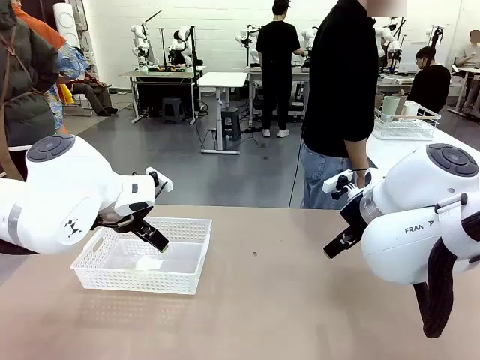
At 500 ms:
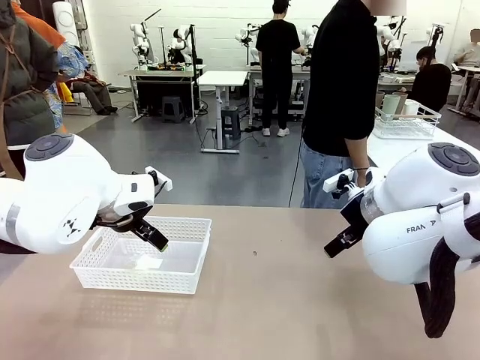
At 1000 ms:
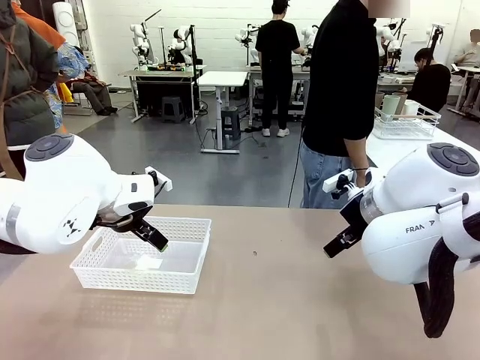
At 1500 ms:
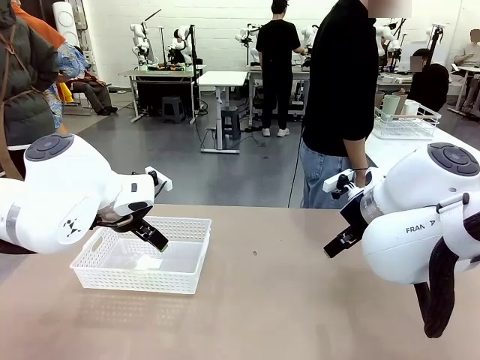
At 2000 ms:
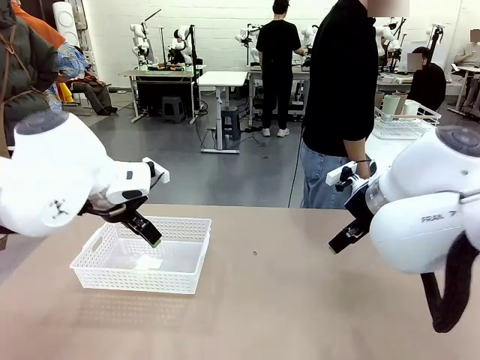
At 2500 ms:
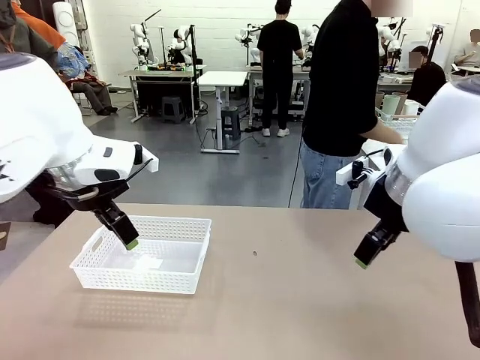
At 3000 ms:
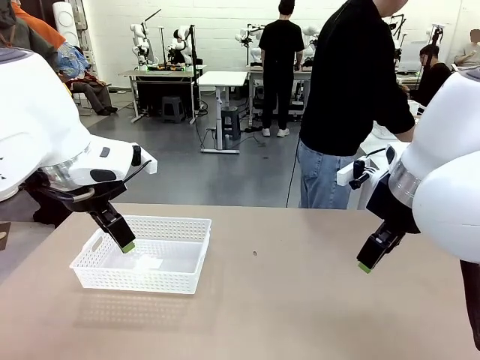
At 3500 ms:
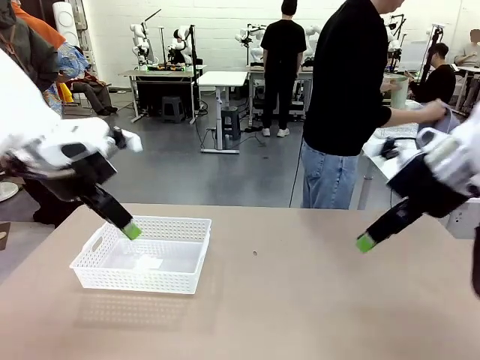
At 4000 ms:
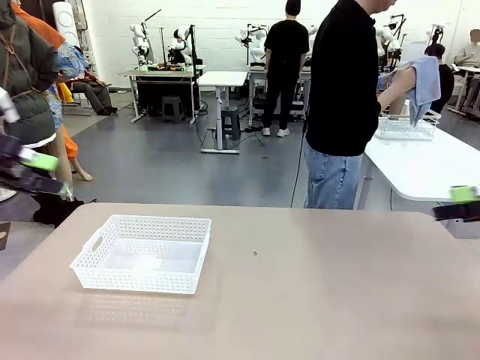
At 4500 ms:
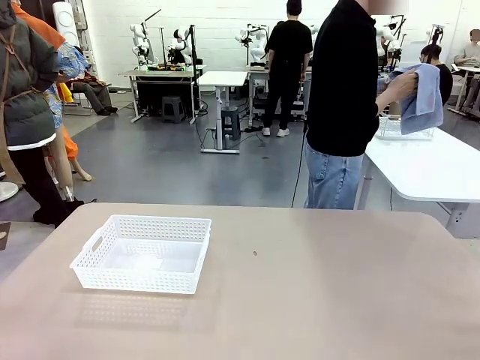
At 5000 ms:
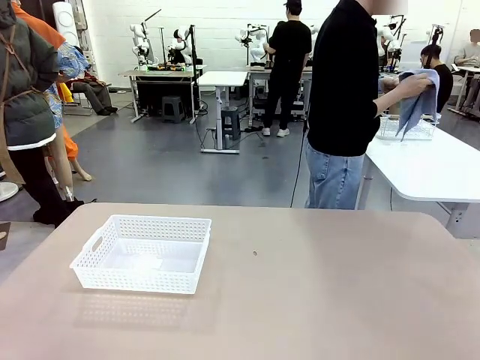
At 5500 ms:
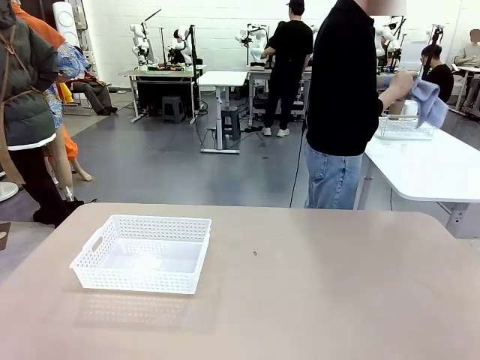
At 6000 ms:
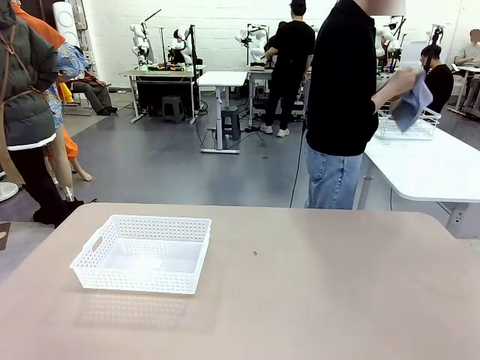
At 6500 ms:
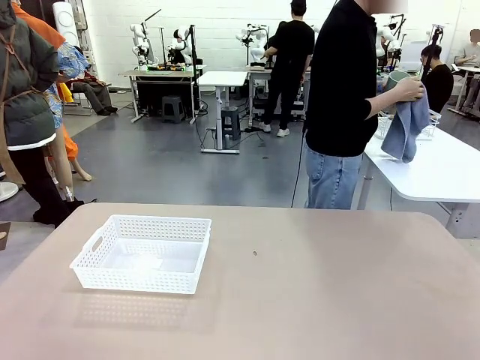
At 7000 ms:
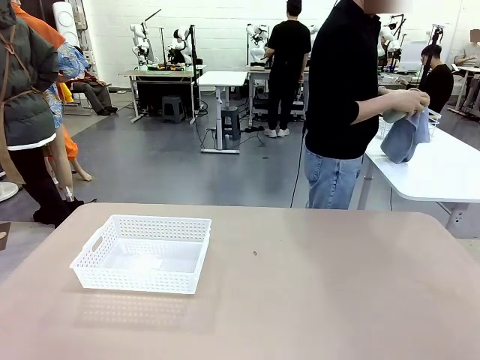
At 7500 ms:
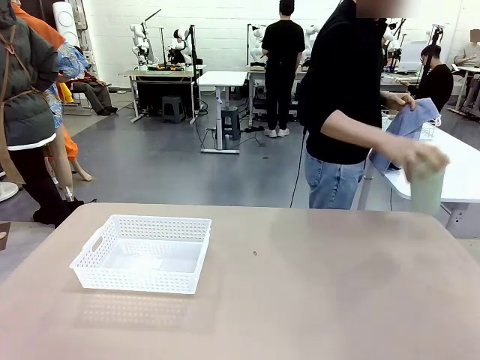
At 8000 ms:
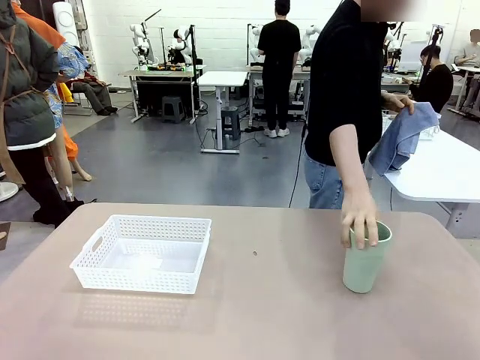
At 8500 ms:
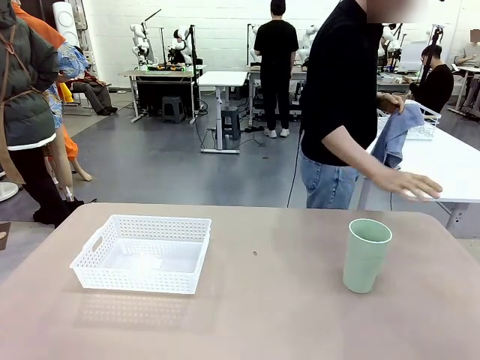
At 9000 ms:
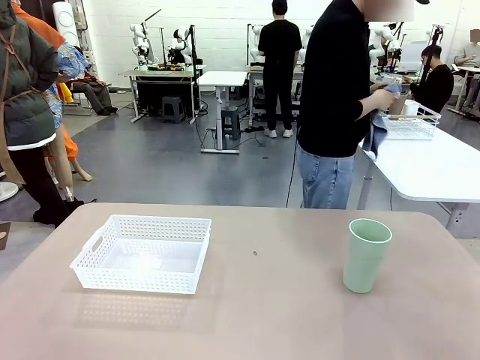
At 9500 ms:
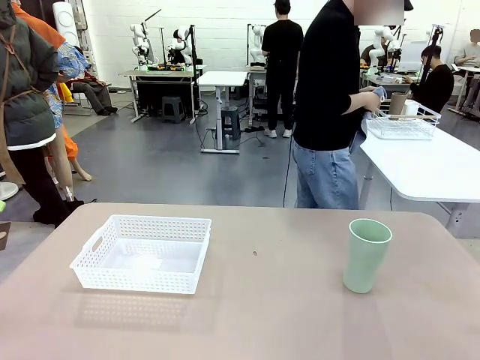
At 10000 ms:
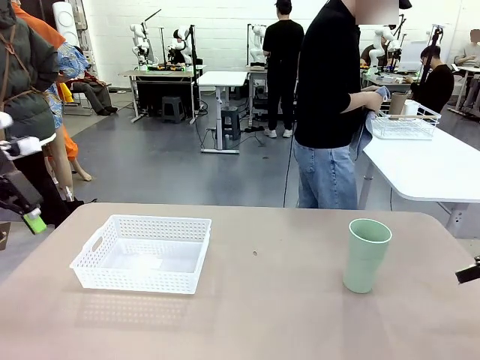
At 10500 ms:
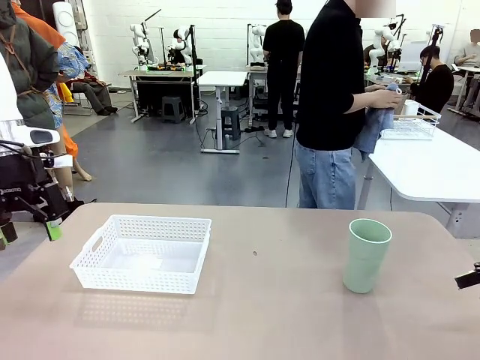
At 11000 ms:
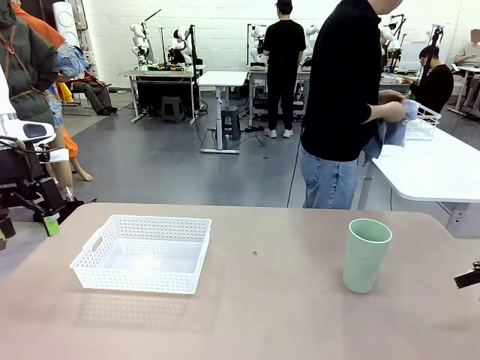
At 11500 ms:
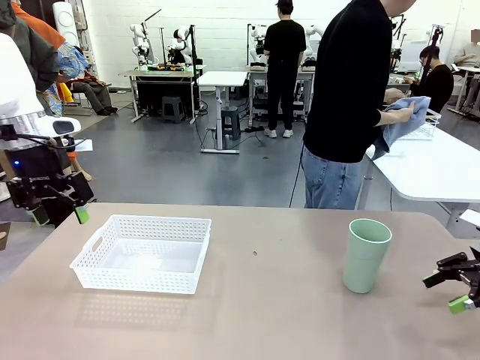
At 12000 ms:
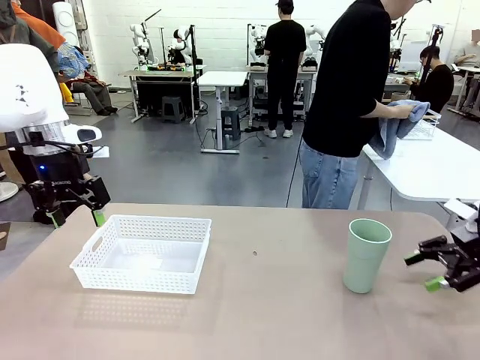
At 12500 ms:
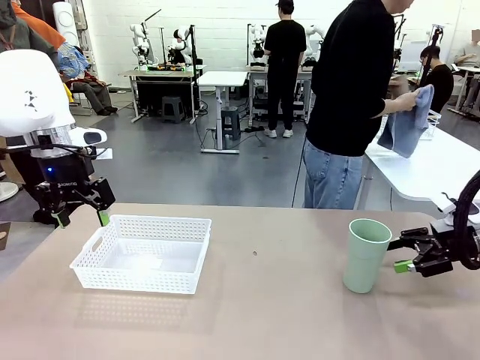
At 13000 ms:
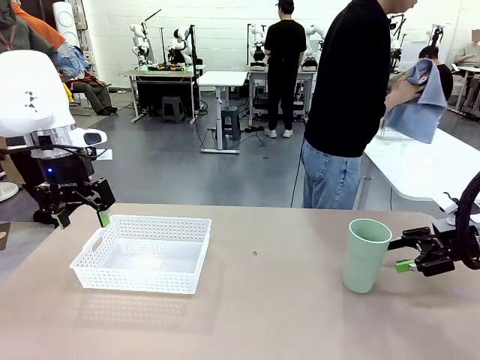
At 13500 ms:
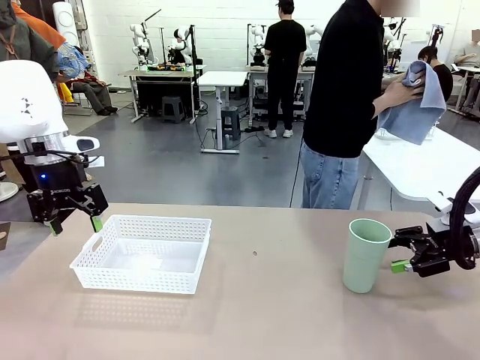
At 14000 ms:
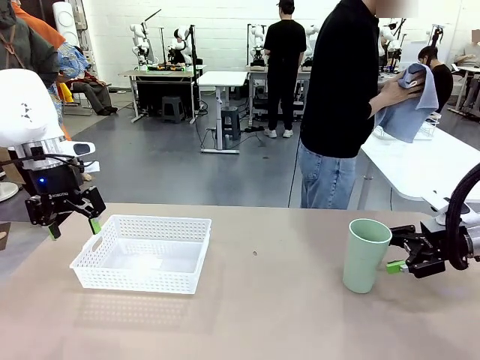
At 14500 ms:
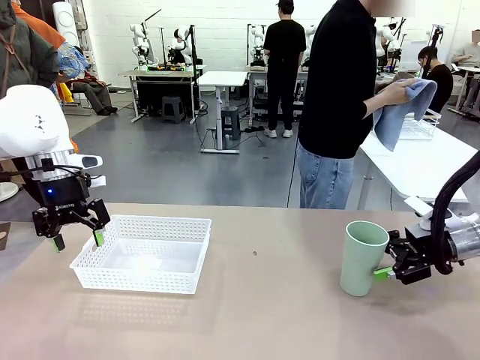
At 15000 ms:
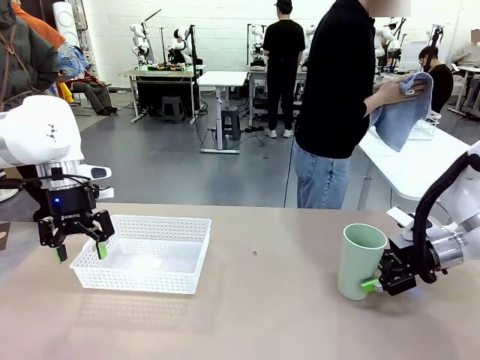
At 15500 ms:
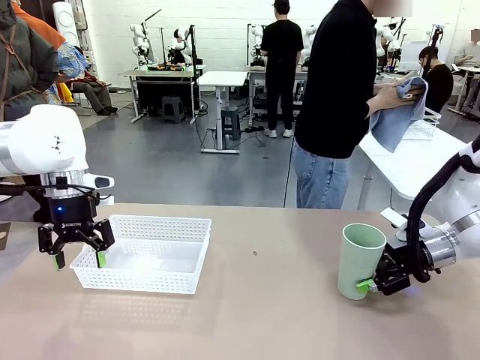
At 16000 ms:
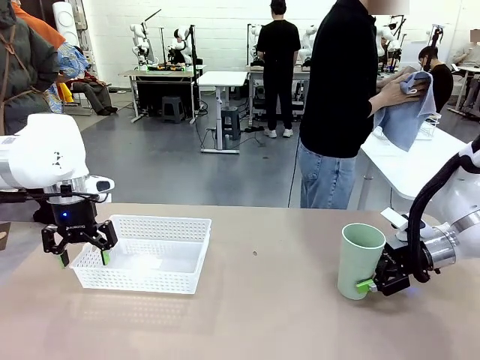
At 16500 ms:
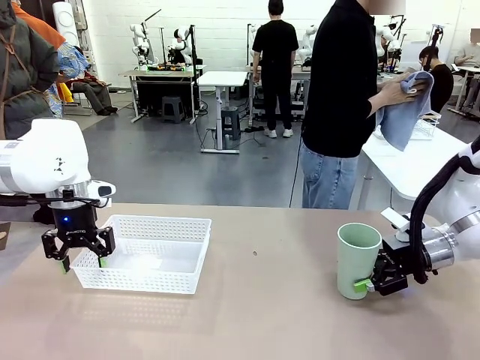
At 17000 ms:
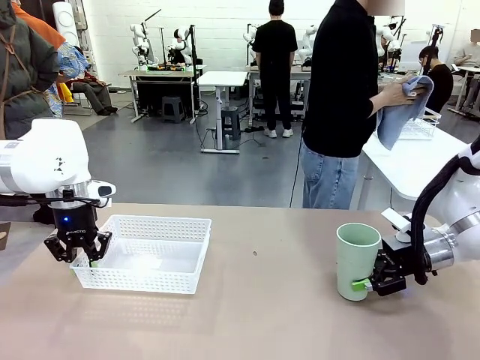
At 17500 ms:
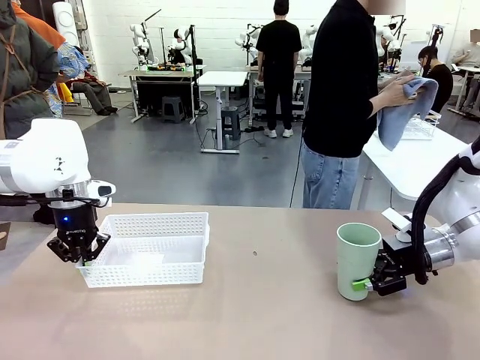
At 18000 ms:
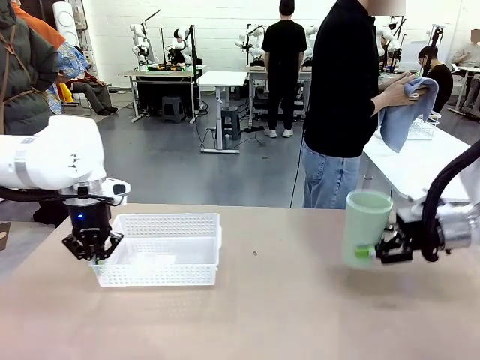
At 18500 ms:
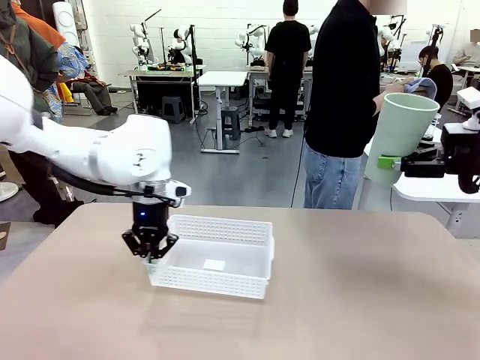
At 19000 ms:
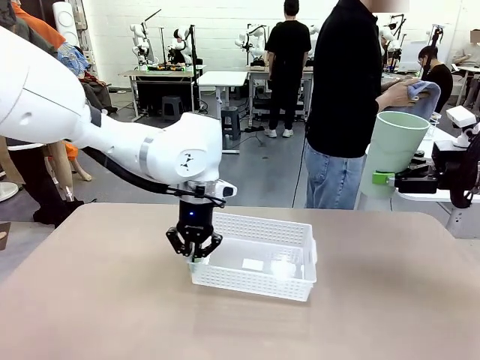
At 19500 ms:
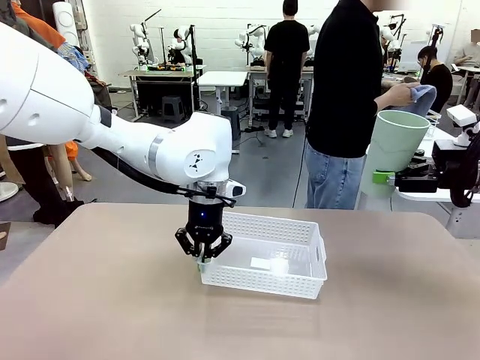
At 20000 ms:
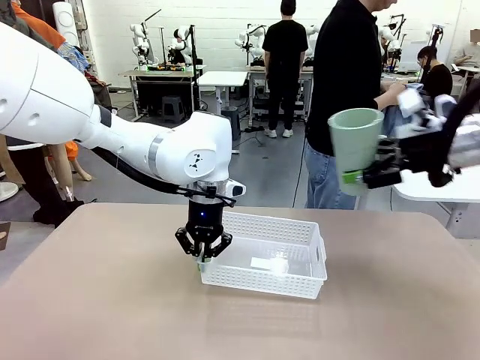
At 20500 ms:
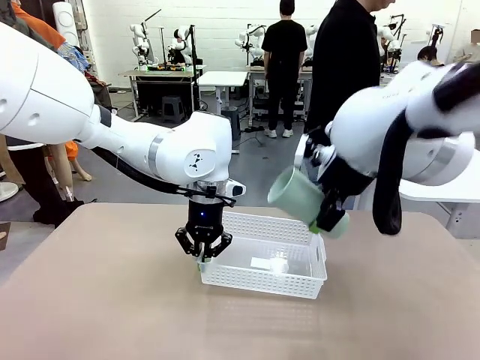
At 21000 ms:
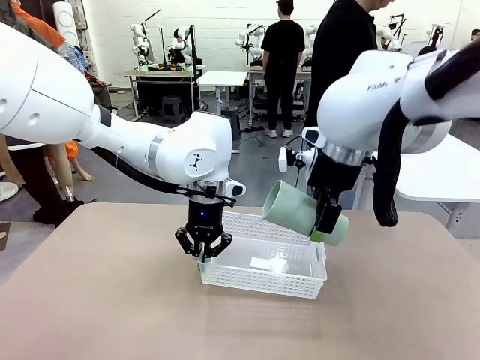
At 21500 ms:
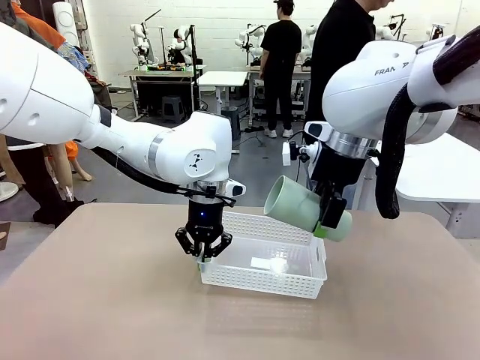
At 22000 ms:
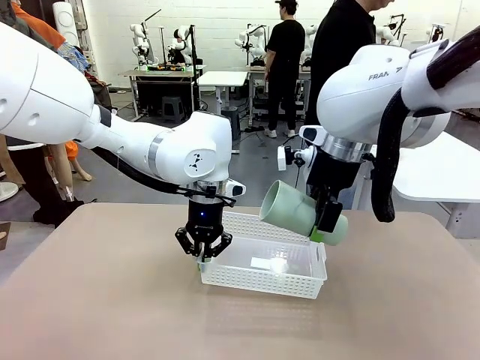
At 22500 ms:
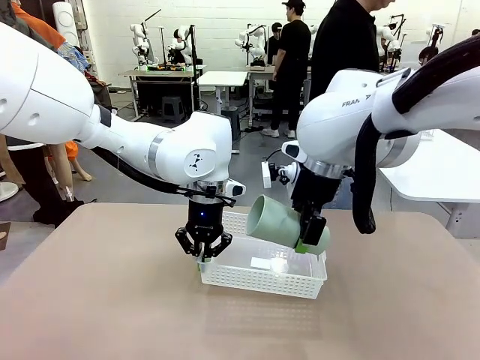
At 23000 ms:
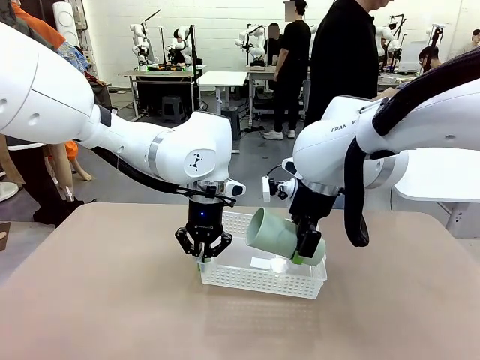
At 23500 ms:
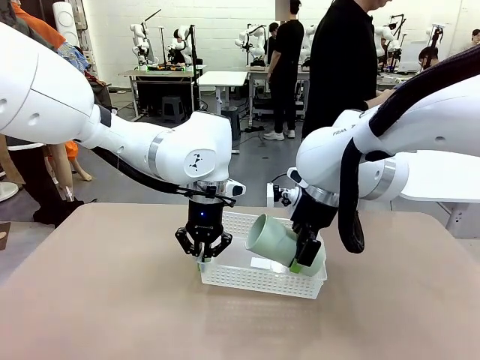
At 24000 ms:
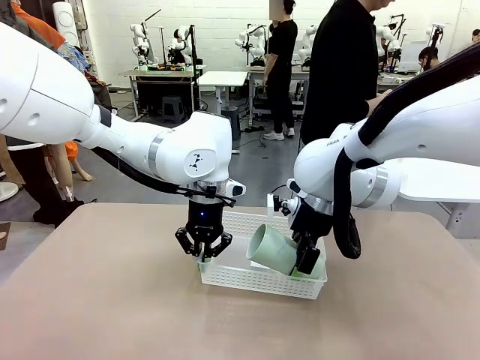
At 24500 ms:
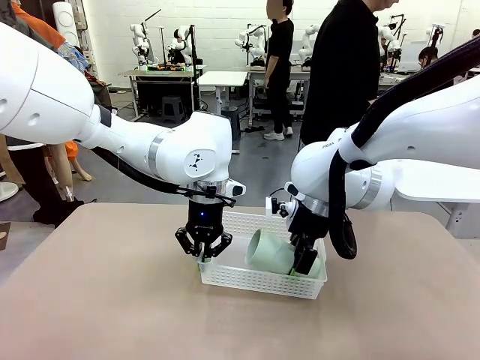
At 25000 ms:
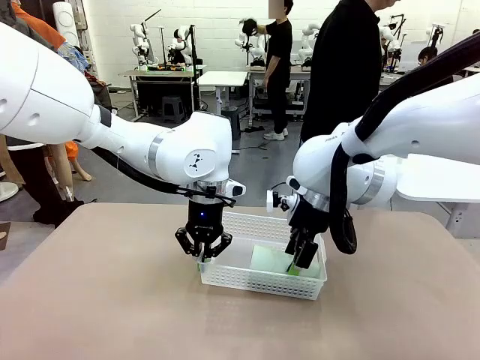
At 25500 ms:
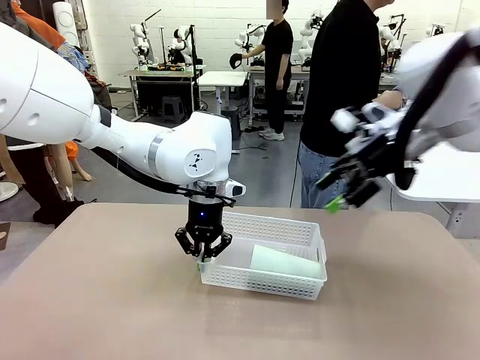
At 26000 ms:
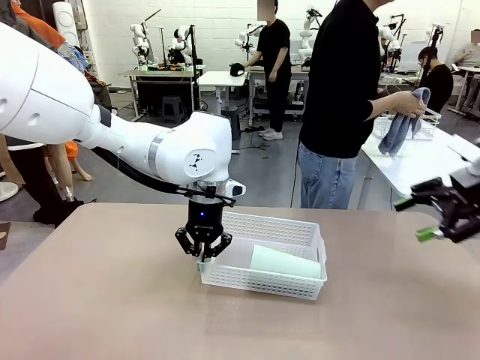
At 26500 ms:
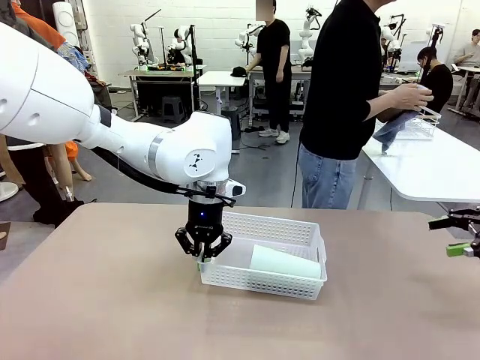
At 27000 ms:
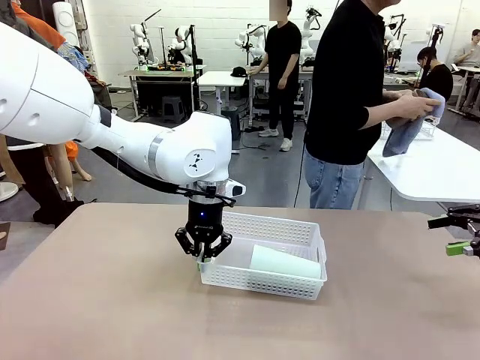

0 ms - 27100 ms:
Task: Clean and organize the cups into the basket.
Robot: Pick up the Organizing basket and move it to the center of the table, then pick up the Reusable plastic cup from the right side of the table and place it inside the Organizing basket.
Person: Picks up a cup and a towel, cleans the cup with the towel, and places it on the left side of the robot table. Picks up a cup from the drying rack, cleans the cup with the towel, and places it on the left side of the robot table.
